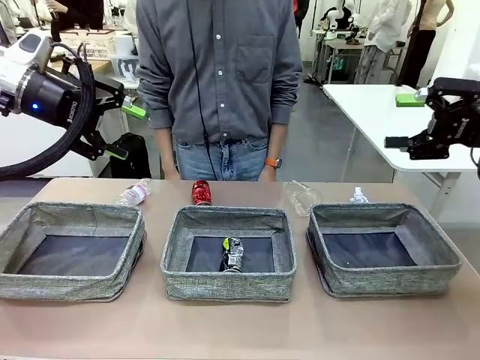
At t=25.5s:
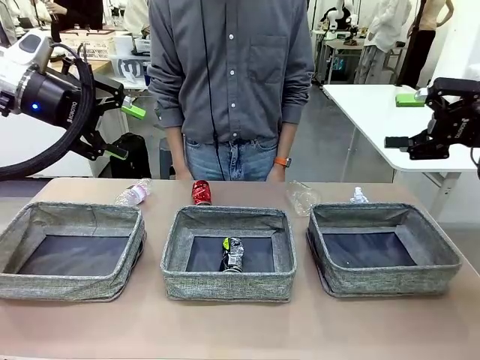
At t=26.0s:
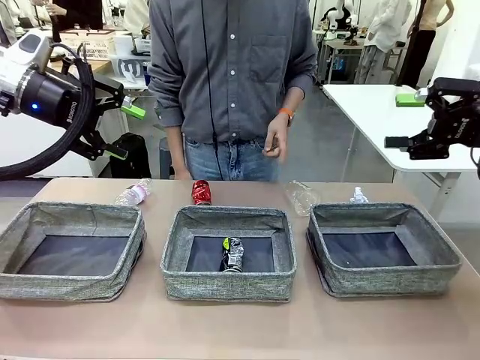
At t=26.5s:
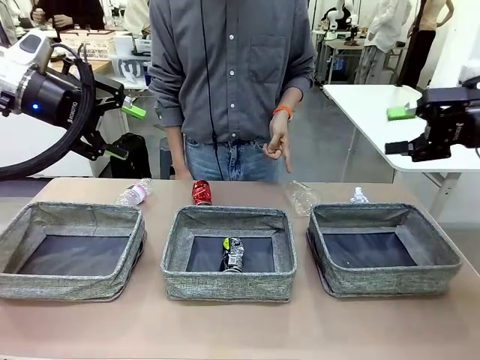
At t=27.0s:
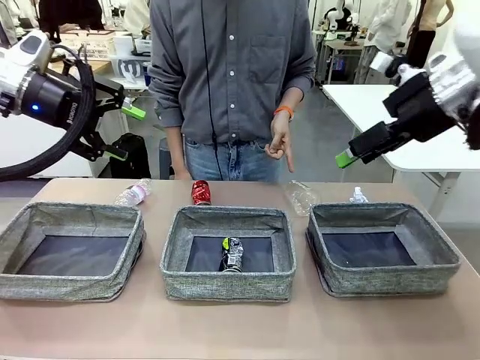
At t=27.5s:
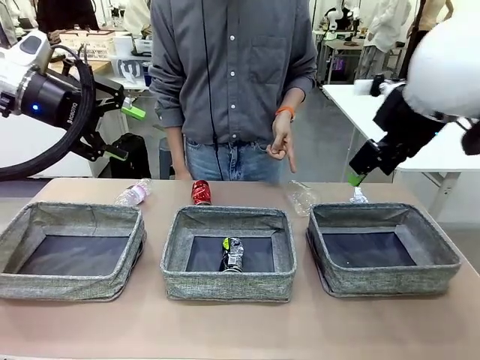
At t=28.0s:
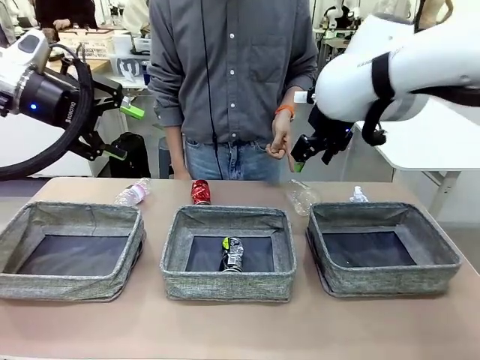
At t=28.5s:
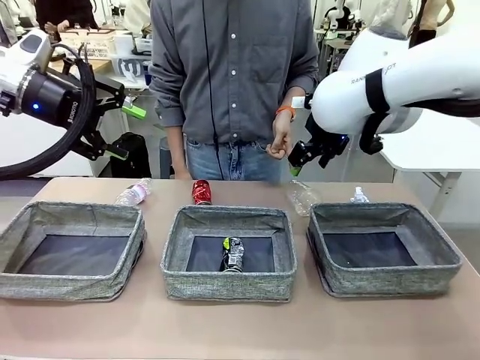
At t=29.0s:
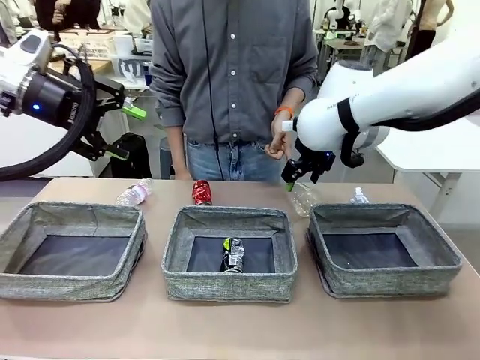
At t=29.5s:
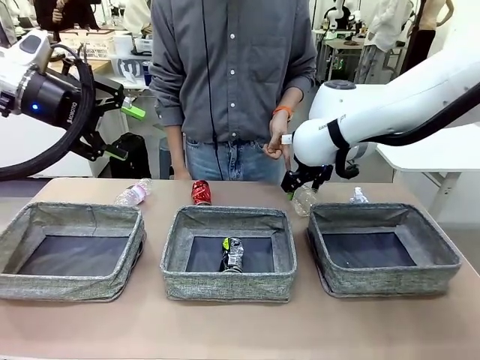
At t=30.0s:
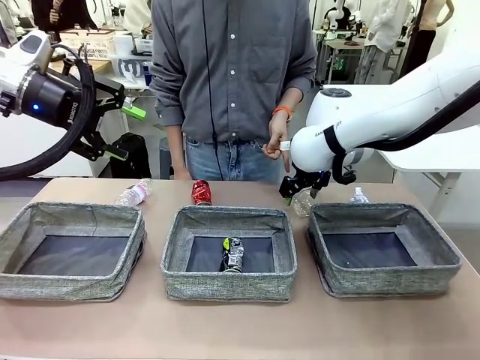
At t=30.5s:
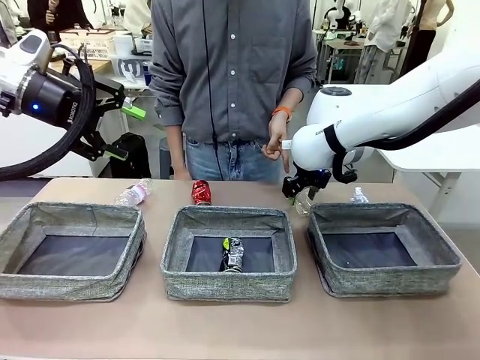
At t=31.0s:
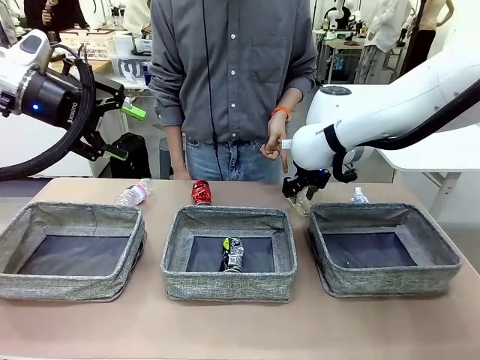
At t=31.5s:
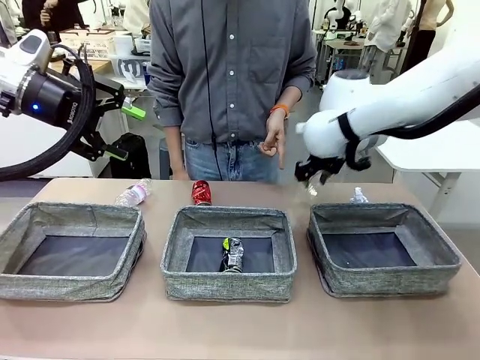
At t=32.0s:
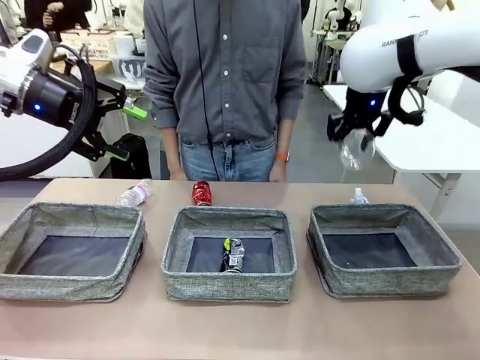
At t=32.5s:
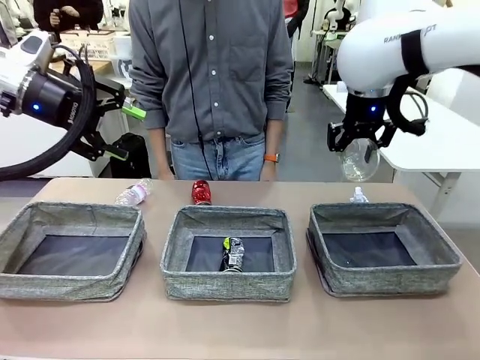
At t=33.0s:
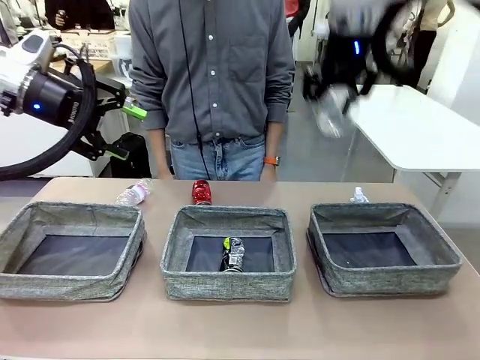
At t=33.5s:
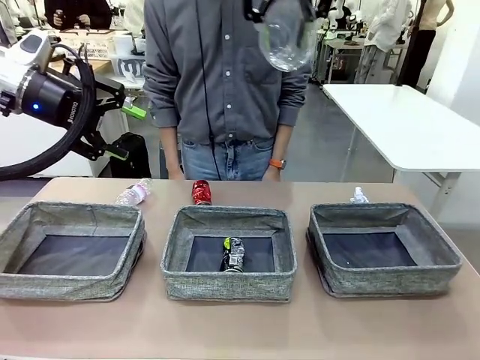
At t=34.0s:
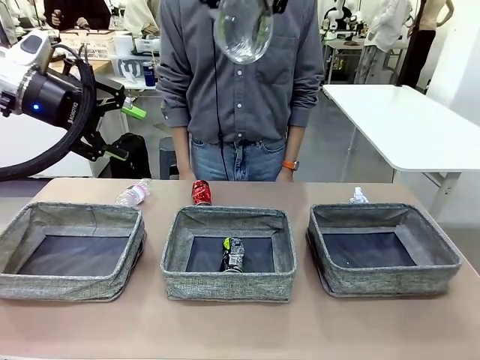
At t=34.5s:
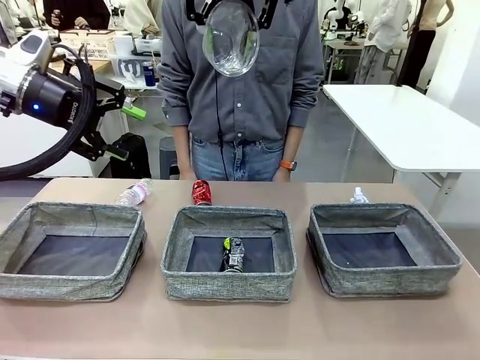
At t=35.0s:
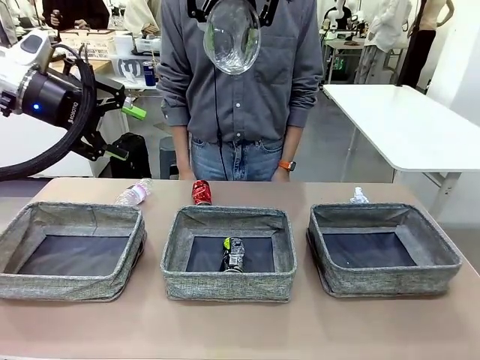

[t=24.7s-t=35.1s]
Task: Sort the waste into the appropriate baskets.
Robot: Pick up the waste item pointed out by the person.
Person: Points to one piece of trash on the table.

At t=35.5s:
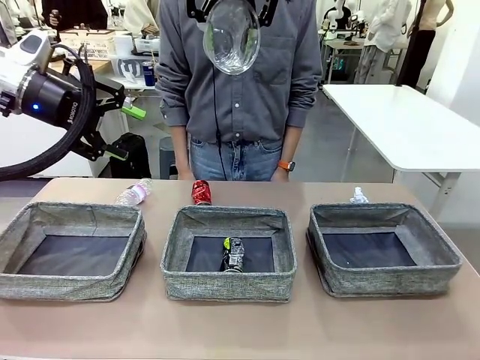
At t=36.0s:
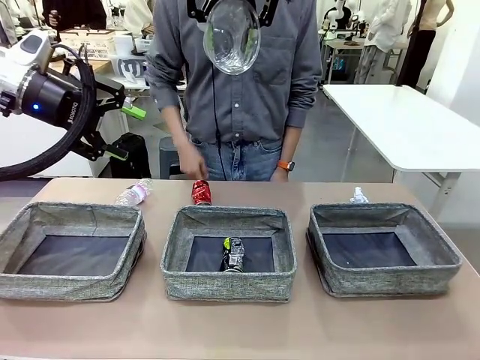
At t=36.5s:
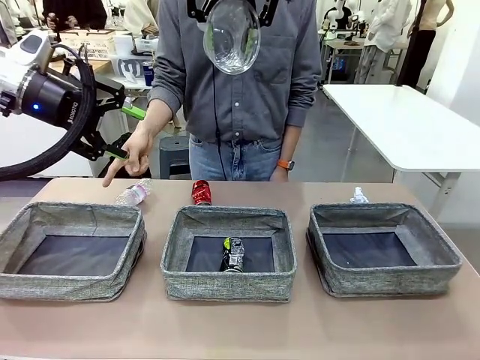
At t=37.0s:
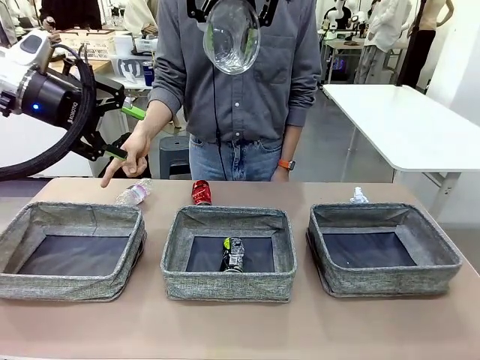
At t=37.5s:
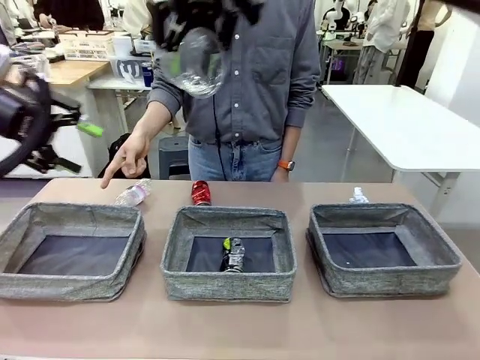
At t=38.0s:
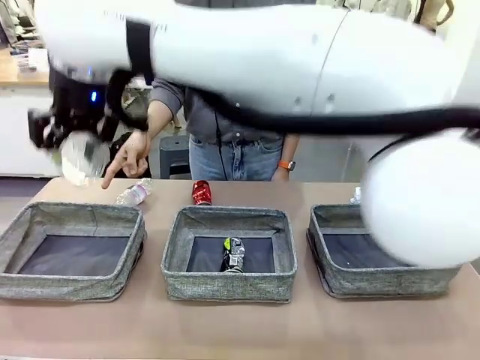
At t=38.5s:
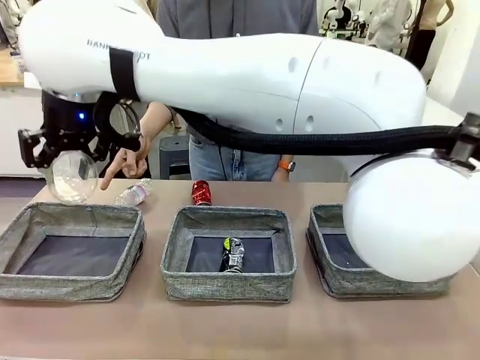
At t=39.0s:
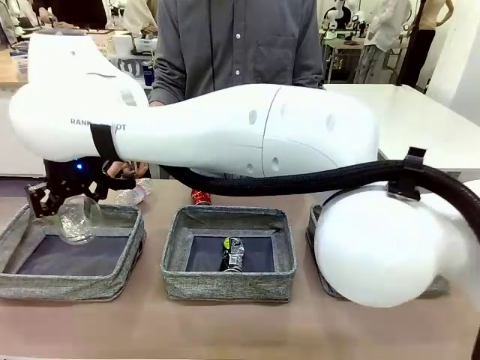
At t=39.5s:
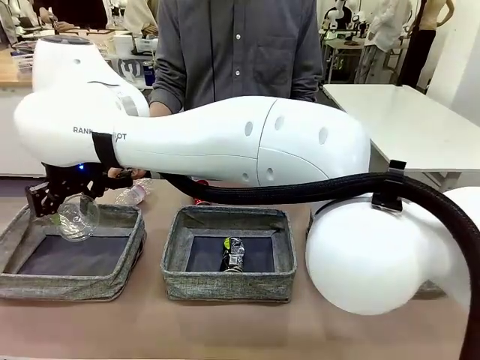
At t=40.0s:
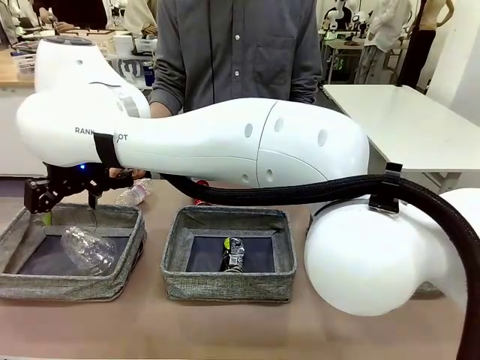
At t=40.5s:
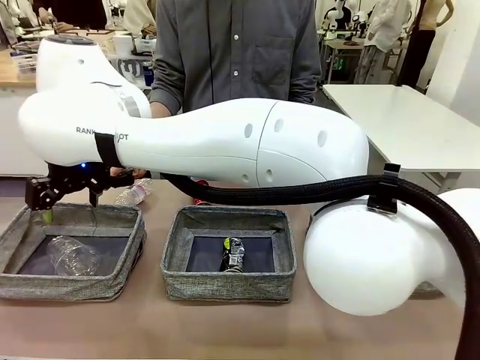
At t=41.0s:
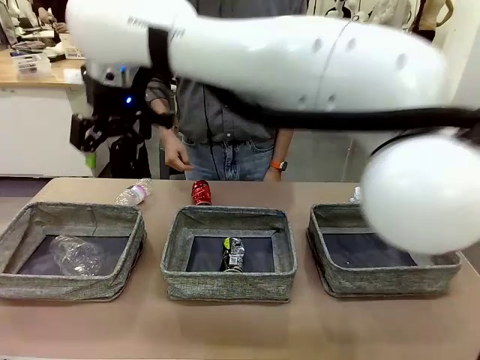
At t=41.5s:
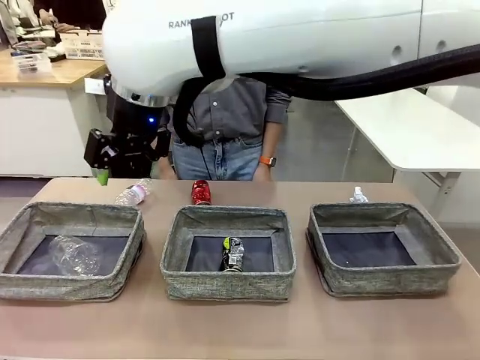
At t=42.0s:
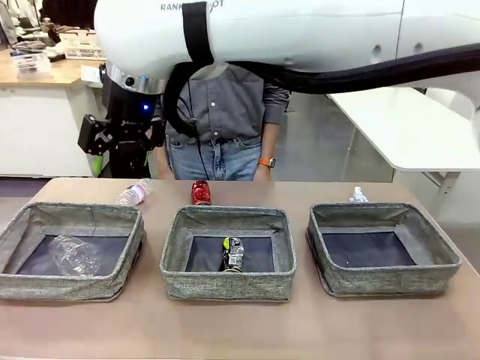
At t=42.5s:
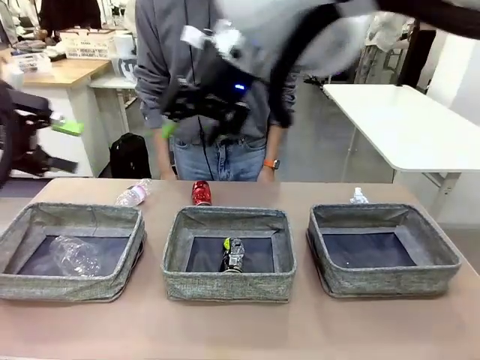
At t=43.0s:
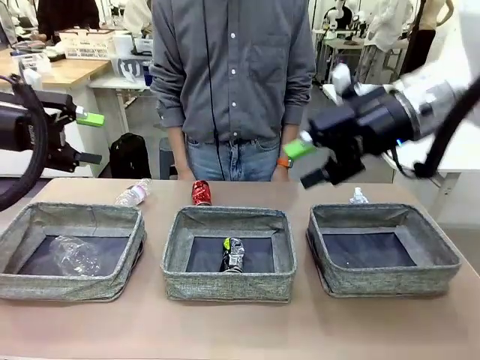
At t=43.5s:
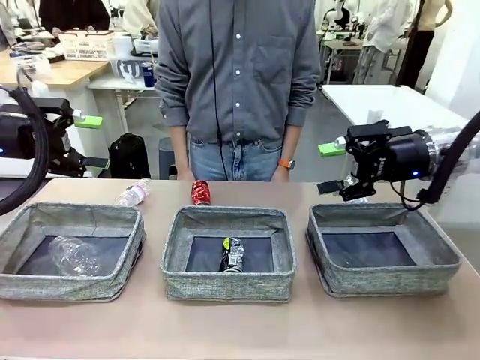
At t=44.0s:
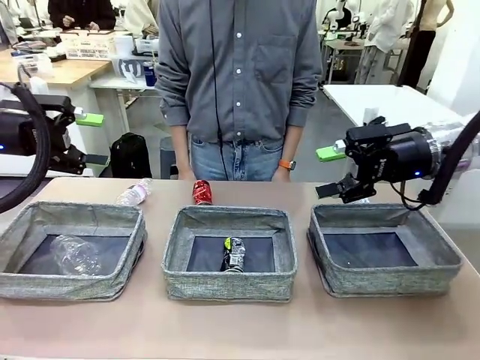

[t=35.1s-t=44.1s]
Robot: Place the picked waste into the Fabric basket indicated by the person.
Person: Instructs the robot to place the picked-up trash into the appropriate organizing basket.

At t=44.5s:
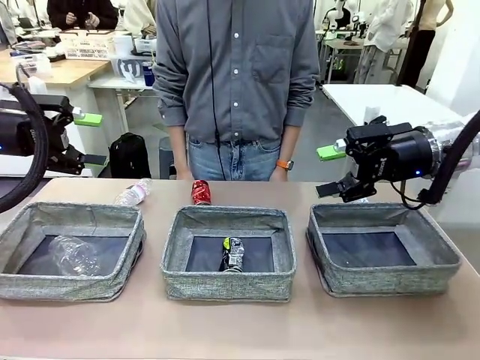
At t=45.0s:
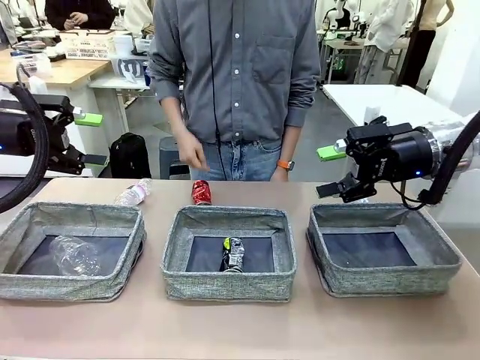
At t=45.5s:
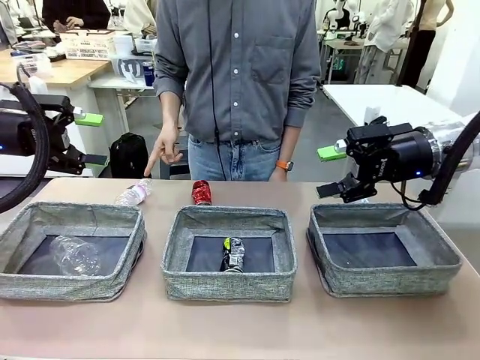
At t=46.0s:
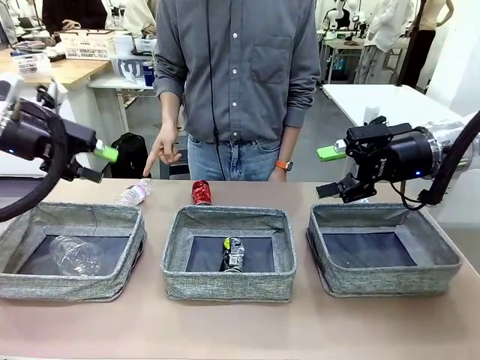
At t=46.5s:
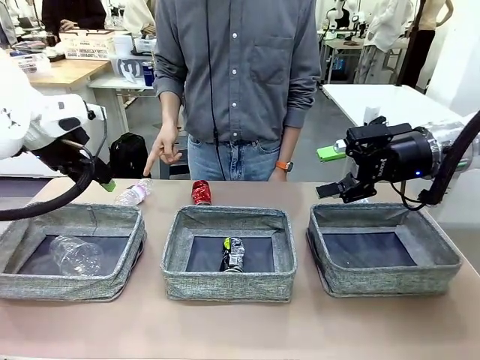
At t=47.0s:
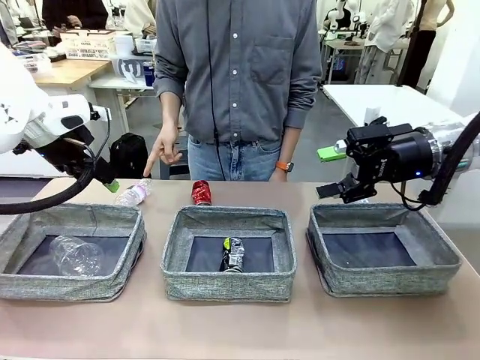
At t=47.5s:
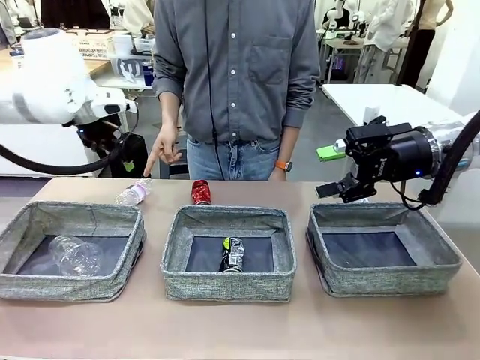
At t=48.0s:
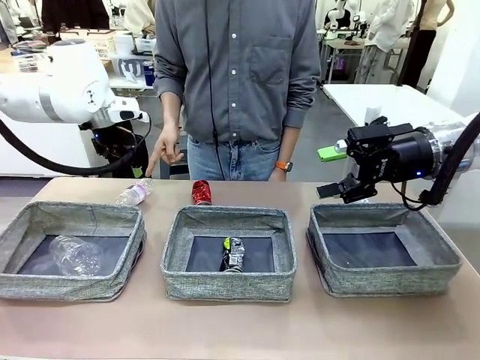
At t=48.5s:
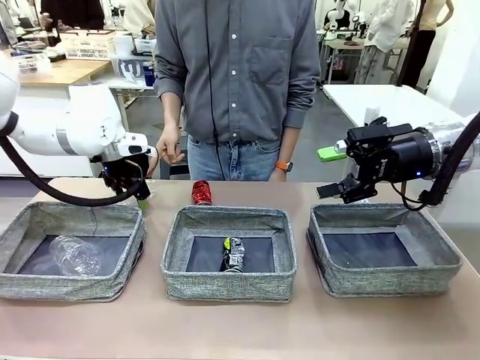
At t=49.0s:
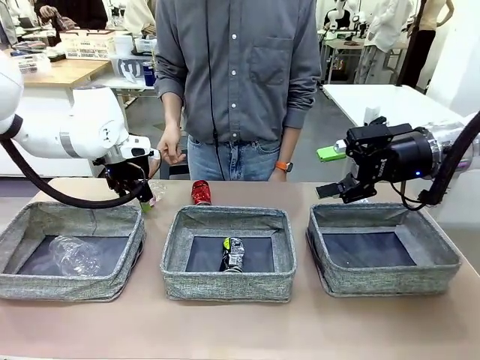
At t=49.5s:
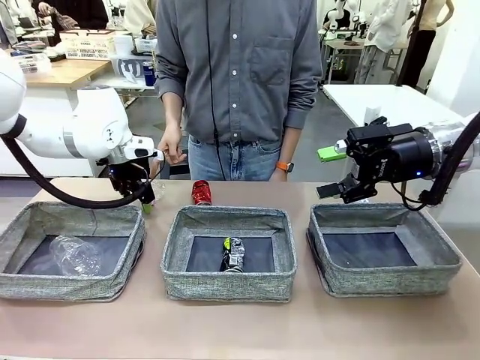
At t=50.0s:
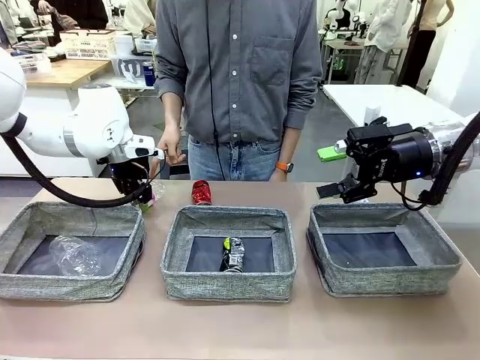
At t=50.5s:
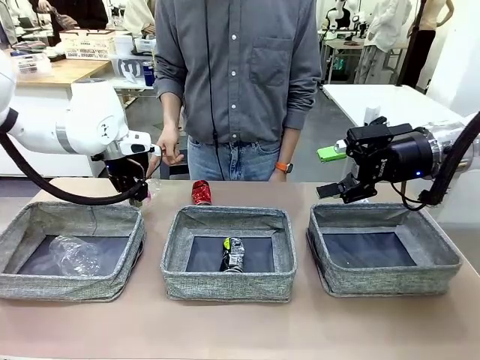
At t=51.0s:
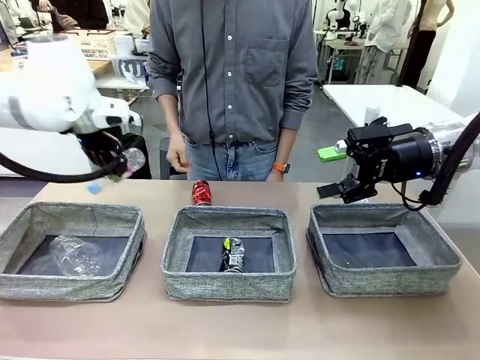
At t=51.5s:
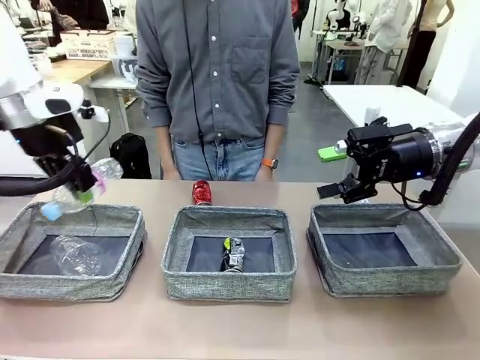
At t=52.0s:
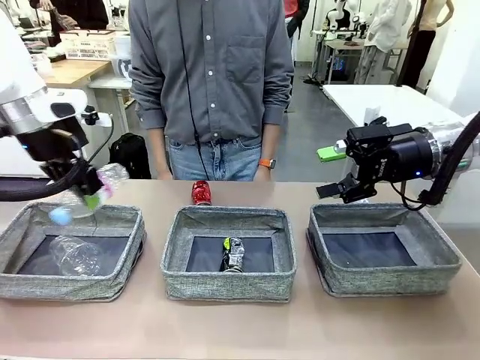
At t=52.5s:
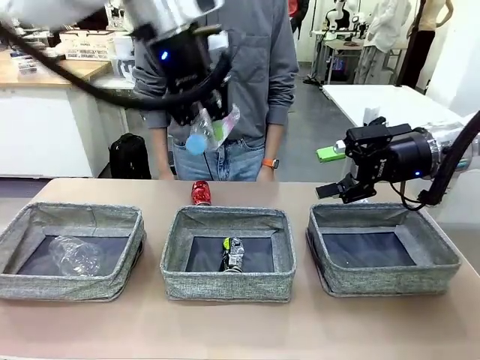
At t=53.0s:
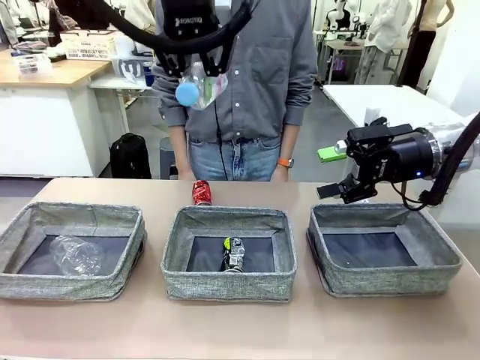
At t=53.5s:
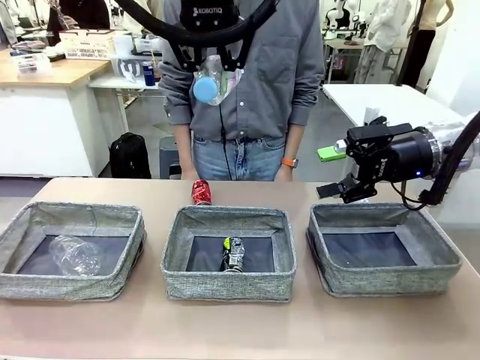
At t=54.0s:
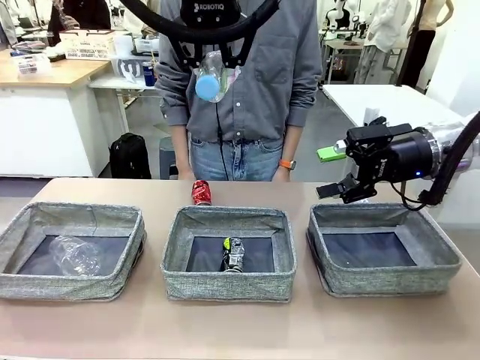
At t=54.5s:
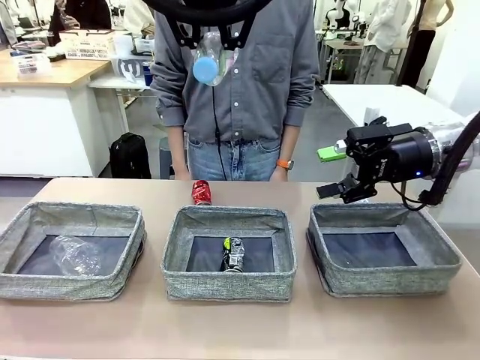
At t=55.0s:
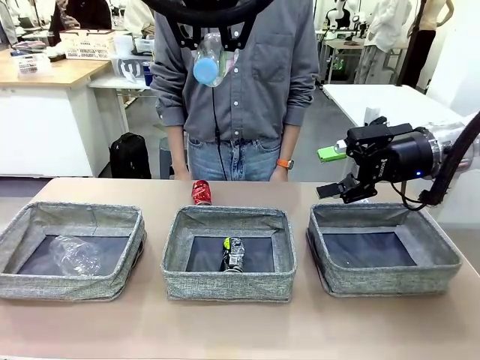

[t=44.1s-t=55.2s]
Robot: Pick up the waste item pointed out by the person.
Person: Points to one piece of trash on the table.
